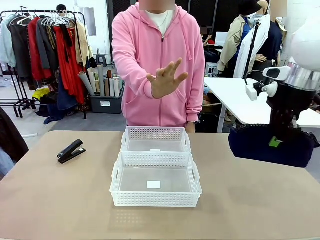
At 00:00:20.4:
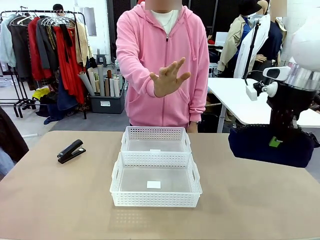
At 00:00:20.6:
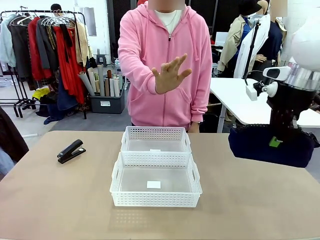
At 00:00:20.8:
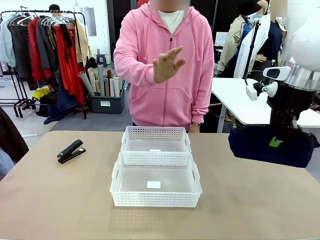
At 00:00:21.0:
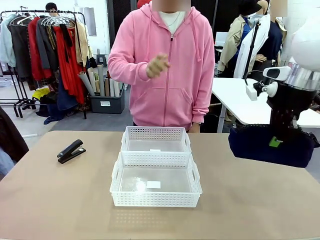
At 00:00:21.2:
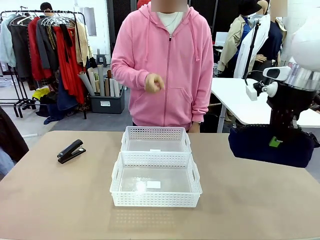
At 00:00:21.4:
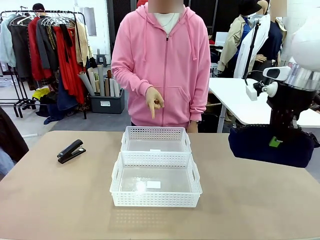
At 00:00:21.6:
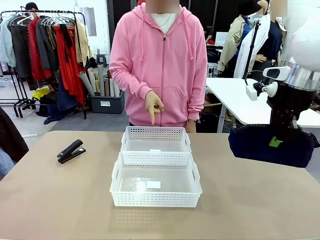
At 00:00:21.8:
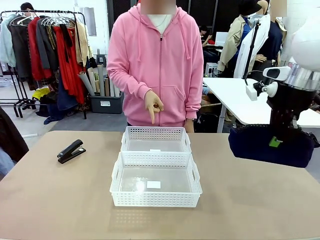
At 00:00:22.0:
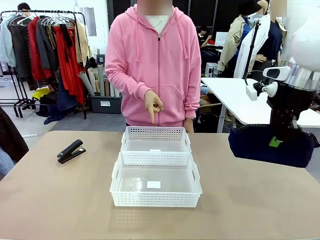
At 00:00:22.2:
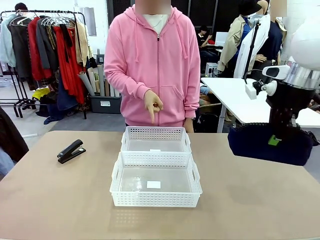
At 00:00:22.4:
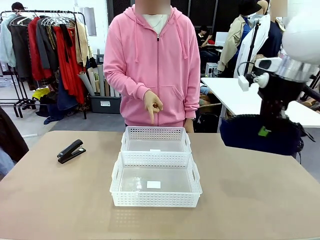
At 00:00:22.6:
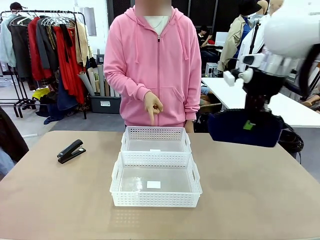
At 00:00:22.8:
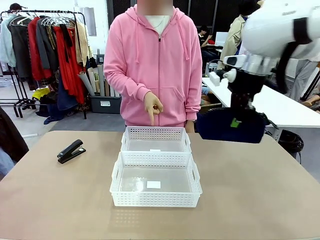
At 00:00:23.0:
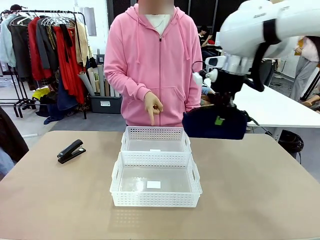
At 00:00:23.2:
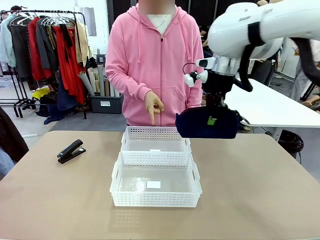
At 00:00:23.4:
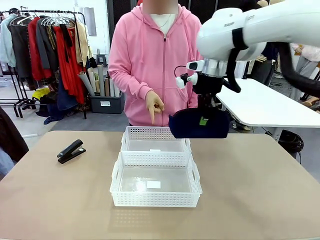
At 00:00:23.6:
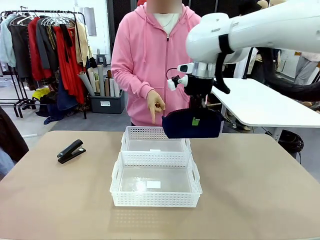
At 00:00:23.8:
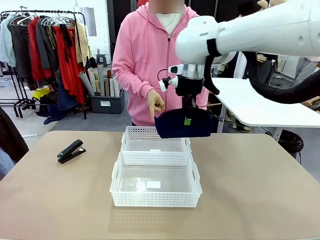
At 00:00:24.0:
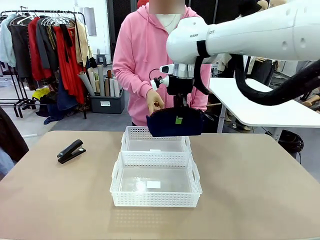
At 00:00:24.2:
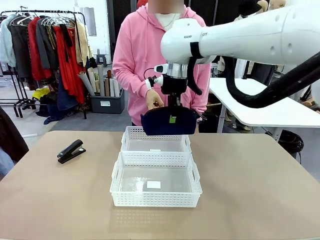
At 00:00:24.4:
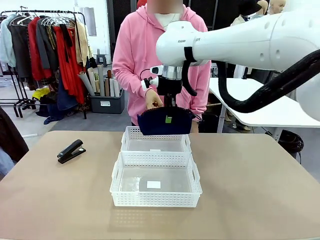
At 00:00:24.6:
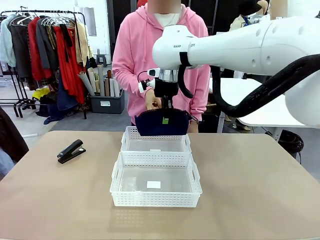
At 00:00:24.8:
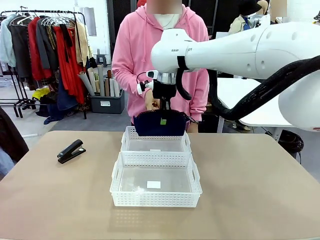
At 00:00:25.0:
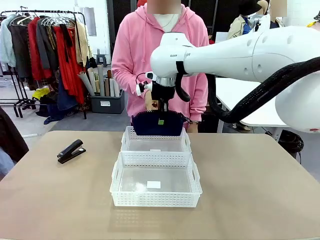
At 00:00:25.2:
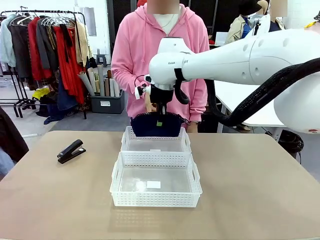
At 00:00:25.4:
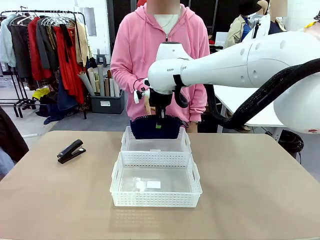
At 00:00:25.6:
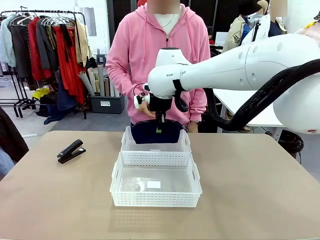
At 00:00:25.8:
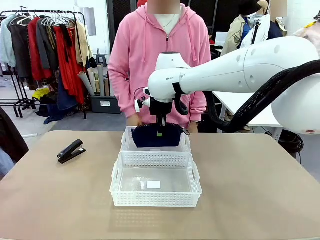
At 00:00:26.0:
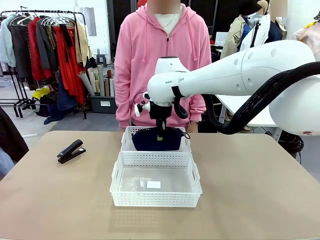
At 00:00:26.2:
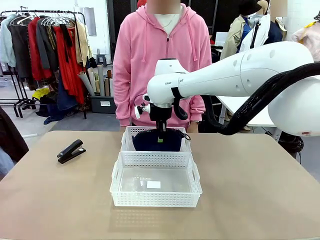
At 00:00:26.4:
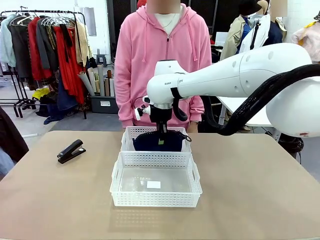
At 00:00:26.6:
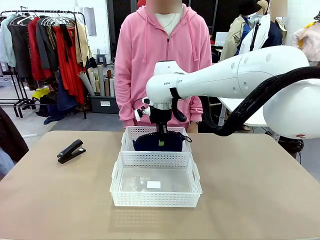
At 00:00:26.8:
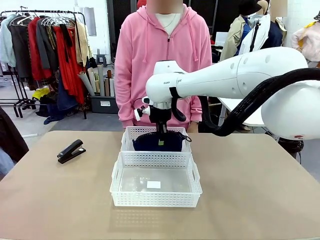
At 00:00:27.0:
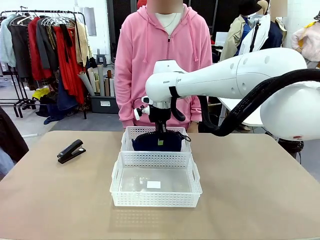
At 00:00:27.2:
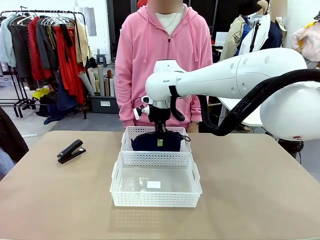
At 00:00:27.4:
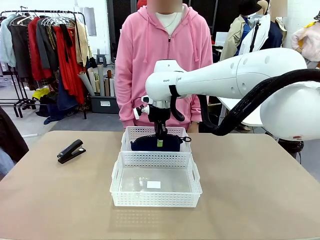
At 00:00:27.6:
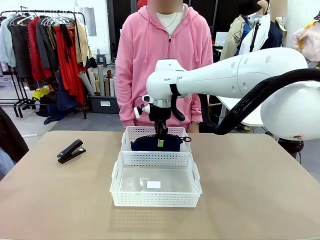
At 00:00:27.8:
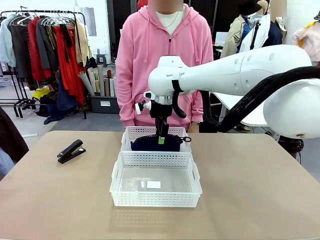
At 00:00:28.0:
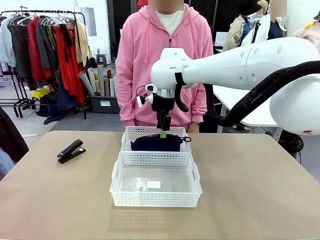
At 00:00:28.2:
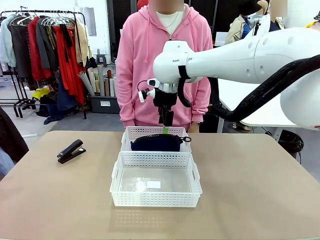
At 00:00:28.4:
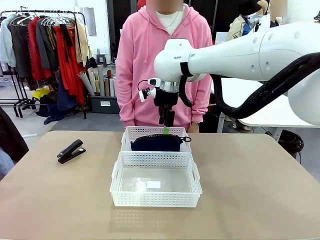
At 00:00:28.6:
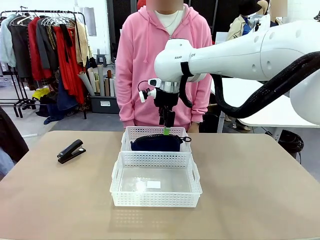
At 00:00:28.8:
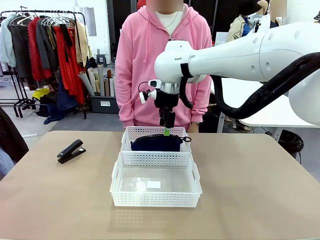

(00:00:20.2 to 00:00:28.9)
Task: Distribute items into two baskets.
Robot: Place the picked Pencil pouch into the Organizing basket as instructed by the person.
Person: Instructs the robot to place the pencil case into the opposite basket. Points to the stapler.

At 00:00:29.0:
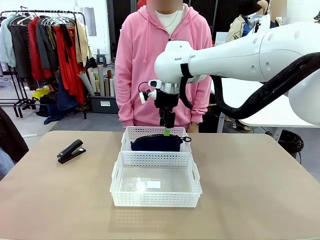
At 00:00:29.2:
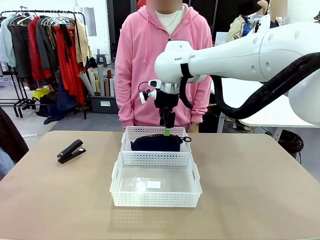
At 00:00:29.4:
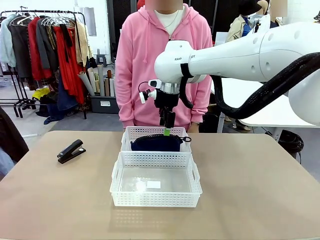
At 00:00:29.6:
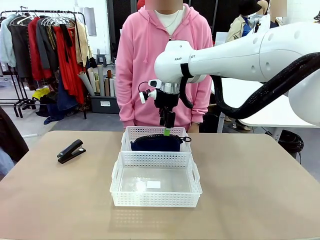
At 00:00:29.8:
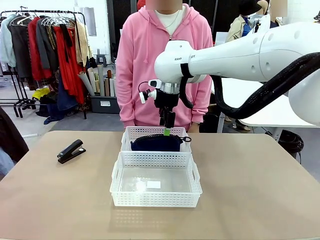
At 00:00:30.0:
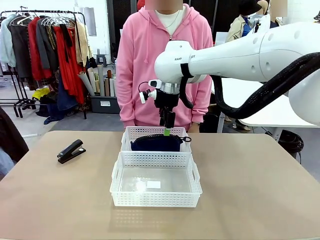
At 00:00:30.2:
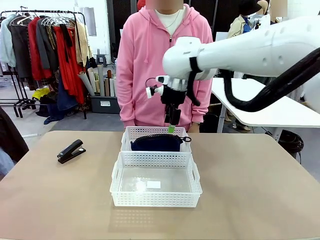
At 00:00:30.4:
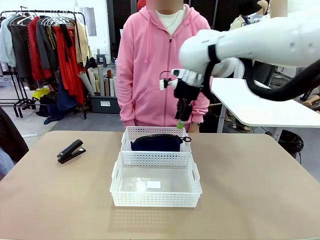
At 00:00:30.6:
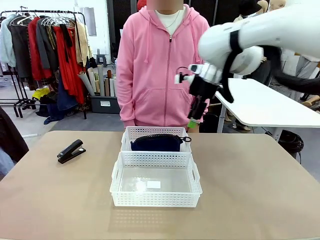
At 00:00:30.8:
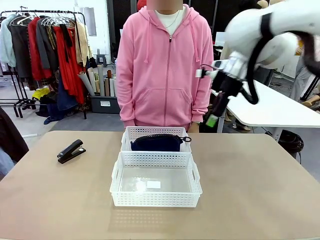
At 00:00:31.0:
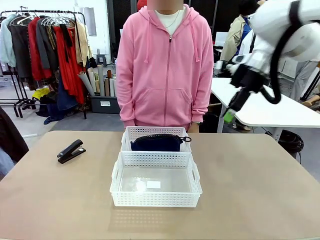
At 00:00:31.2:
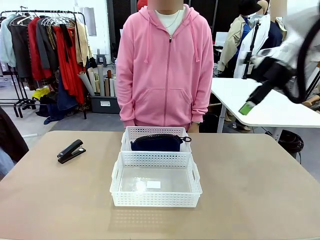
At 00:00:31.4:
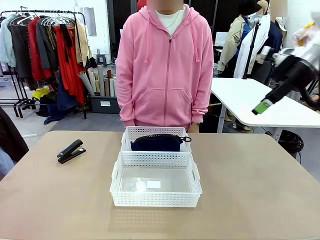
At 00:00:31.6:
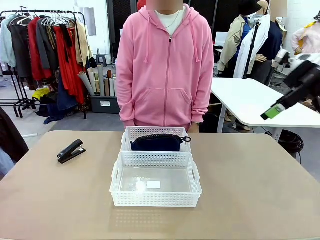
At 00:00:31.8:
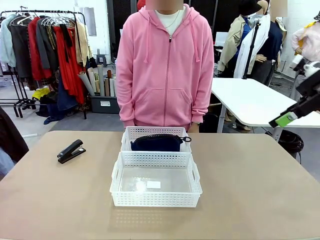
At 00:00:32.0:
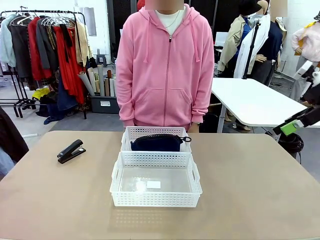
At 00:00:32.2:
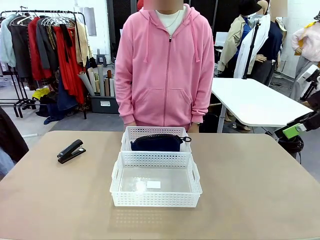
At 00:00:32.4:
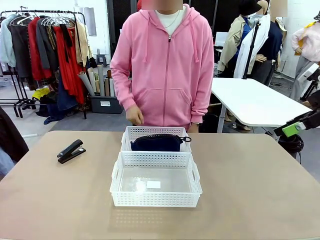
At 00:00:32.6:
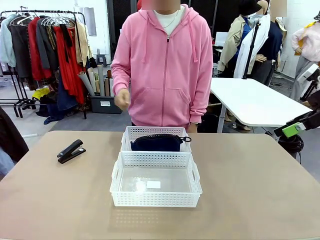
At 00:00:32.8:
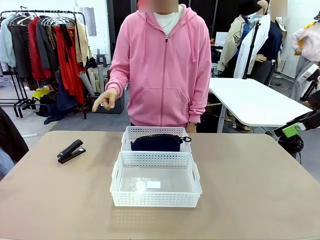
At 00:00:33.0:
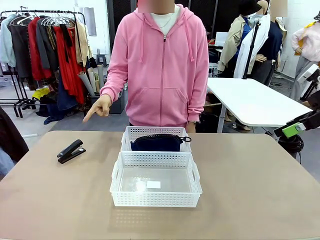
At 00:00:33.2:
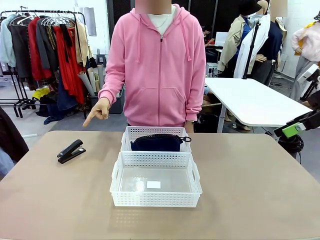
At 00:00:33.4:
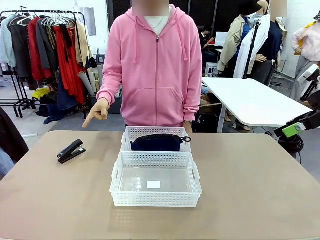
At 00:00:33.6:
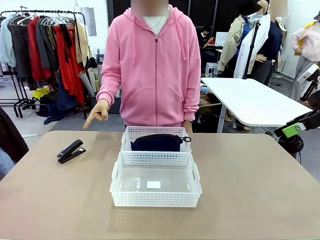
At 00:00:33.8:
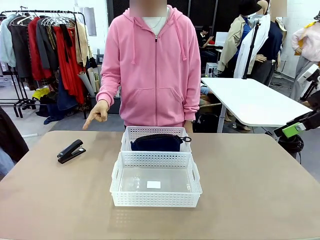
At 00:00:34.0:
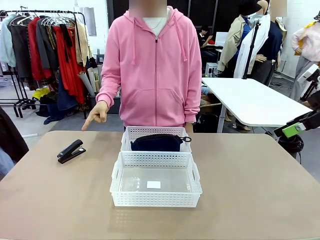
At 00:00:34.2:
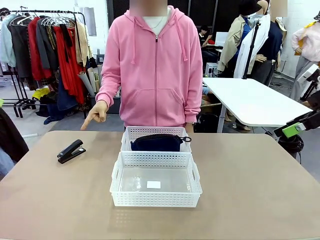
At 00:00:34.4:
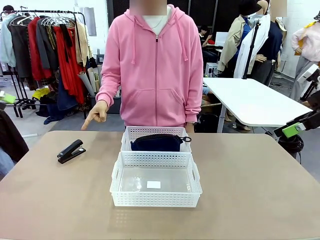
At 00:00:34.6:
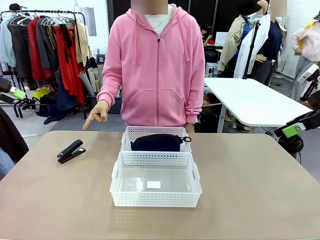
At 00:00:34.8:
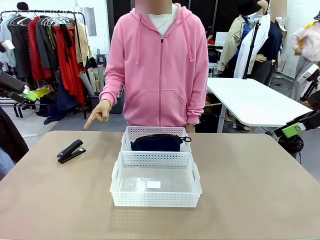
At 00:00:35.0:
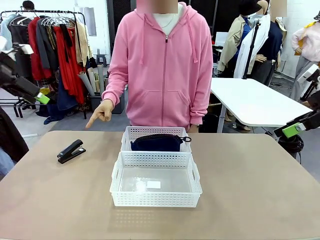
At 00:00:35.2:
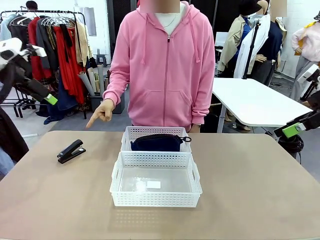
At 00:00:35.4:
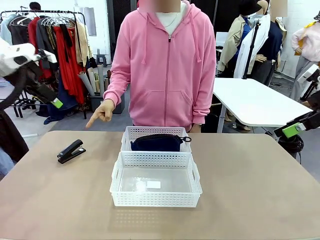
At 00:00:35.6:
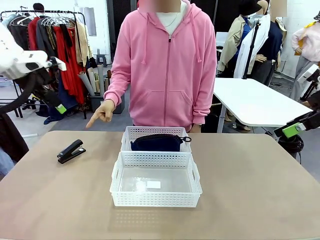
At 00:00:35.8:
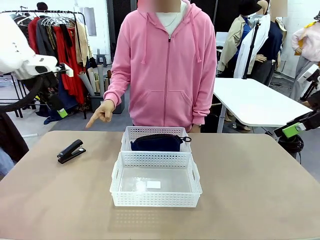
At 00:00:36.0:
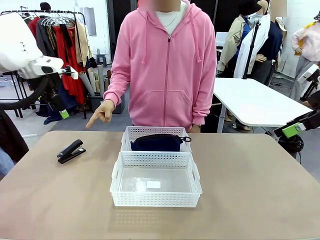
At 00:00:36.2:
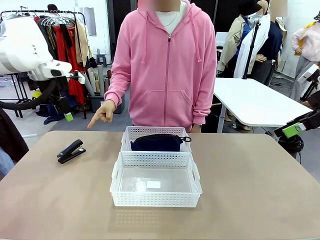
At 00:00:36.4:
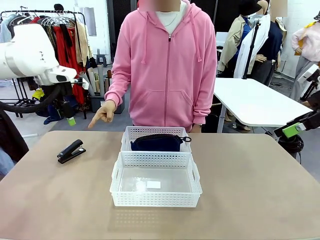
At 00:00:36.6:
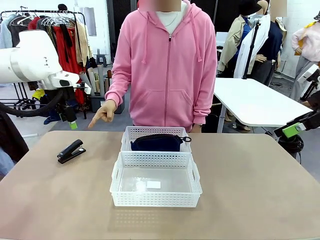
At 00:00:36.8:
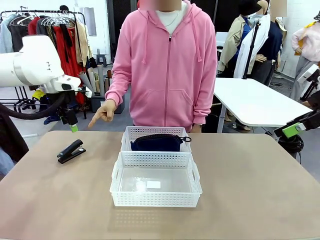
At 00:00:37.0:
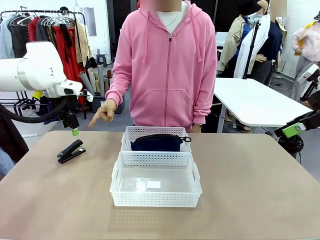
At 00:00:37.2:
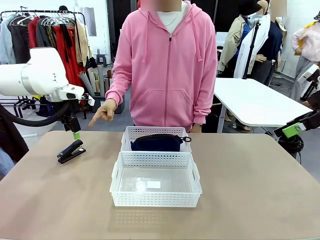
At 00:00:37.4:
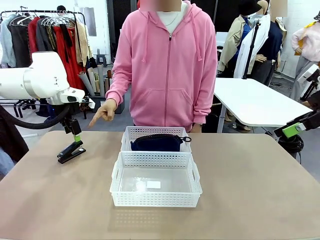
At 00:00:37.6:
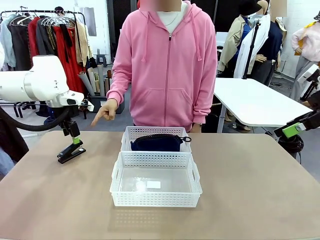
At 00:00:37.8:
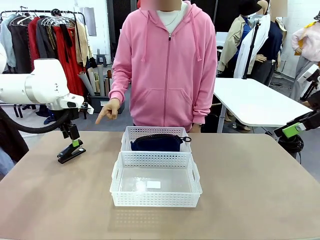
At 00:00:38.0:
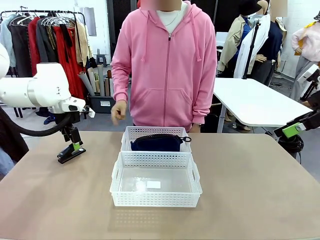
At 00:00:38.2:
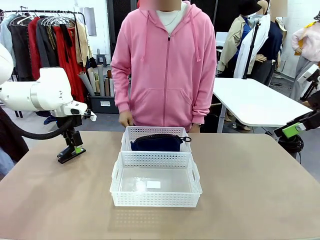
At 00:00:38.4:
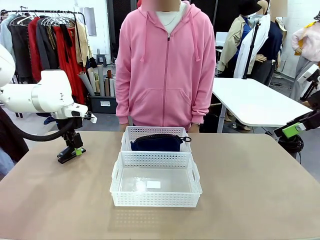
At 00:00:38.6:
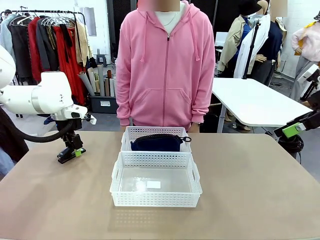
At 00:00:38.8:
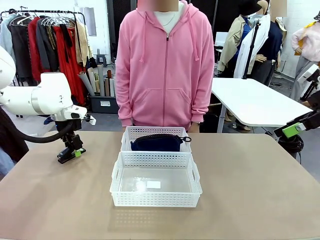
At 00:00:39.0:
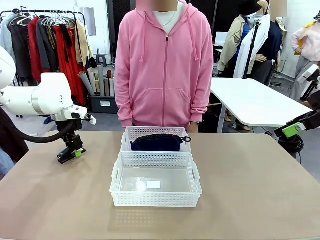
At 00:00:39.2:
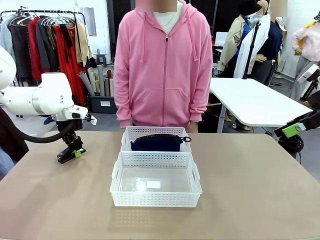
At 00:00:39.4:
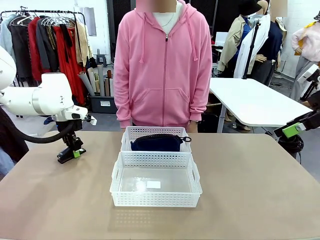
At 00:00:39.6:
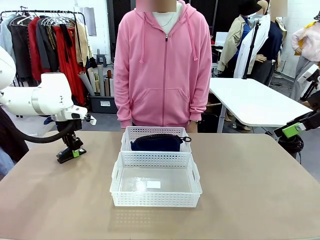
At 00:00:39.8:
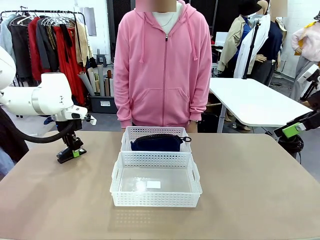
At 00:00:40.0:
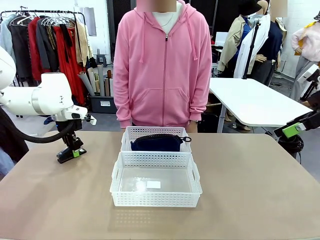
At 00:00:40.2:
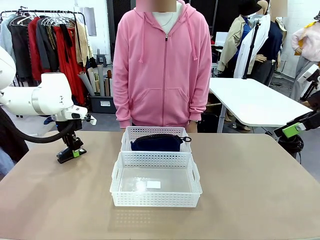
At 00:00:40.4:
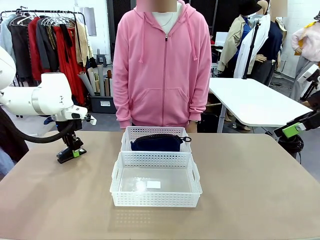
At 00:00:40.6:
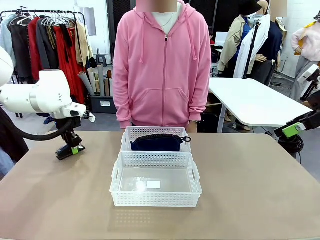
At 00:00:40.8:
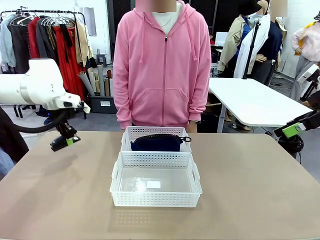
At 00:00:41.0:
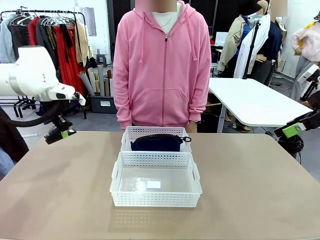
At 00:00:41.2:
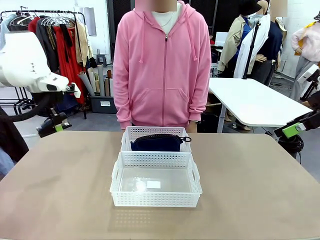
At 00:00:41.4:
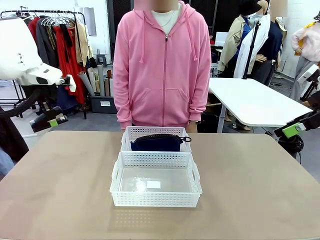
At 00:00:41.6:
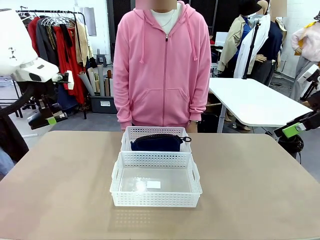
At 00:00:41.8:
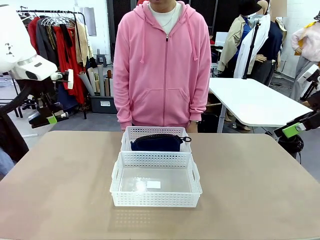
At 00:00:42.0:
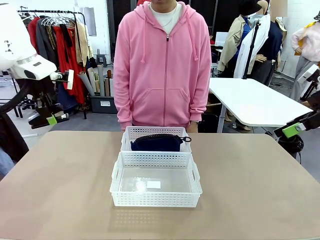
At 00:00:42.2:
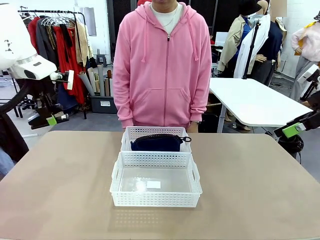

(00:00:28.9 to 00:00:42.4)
Robot: Pick up the Stapler that the person points to.
